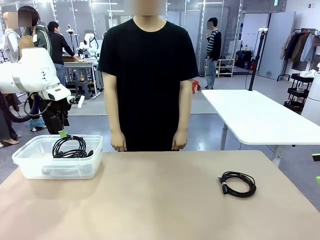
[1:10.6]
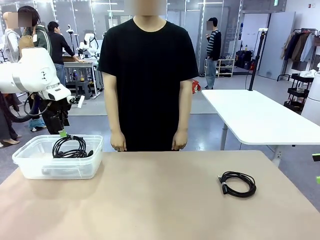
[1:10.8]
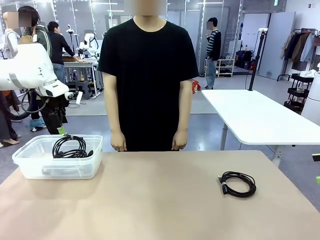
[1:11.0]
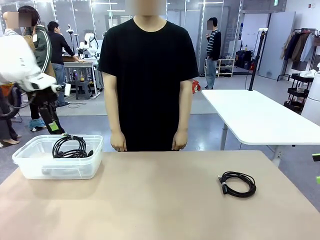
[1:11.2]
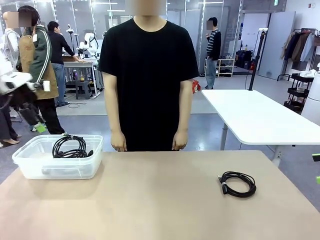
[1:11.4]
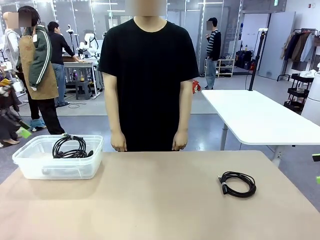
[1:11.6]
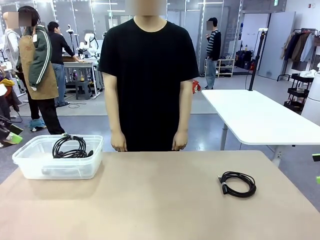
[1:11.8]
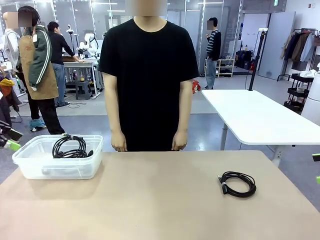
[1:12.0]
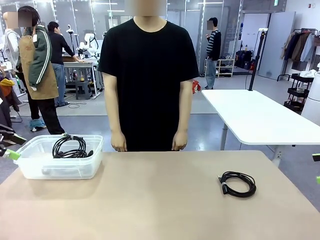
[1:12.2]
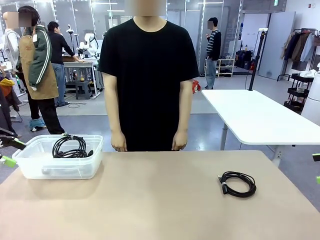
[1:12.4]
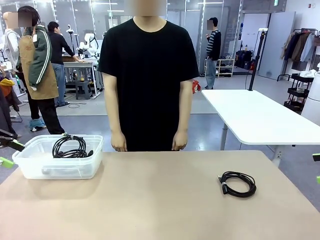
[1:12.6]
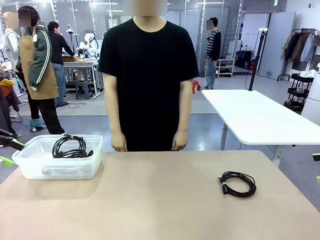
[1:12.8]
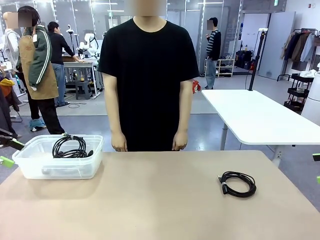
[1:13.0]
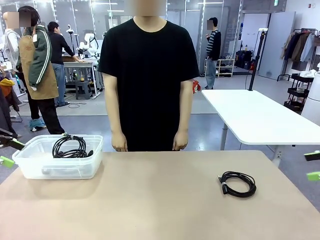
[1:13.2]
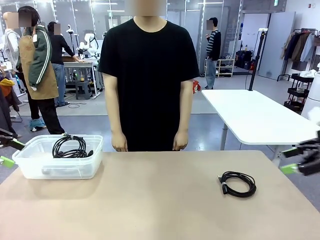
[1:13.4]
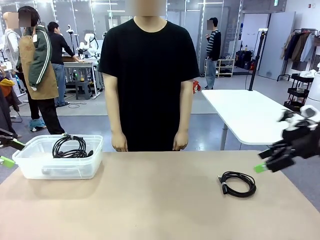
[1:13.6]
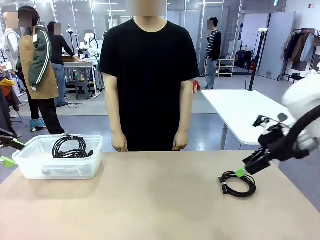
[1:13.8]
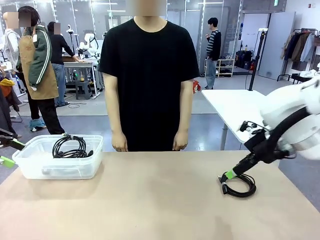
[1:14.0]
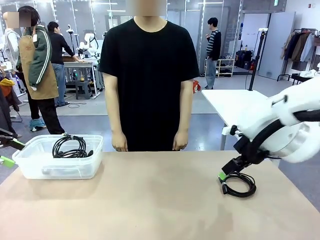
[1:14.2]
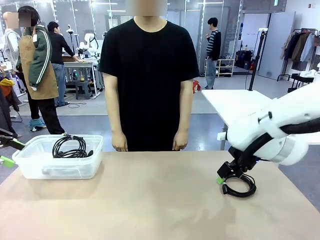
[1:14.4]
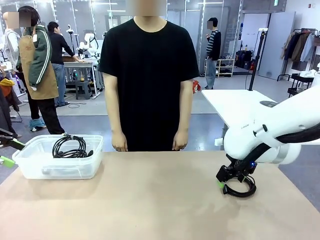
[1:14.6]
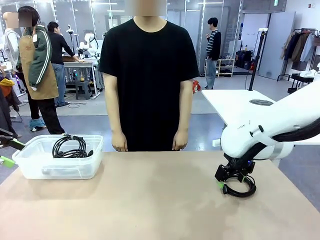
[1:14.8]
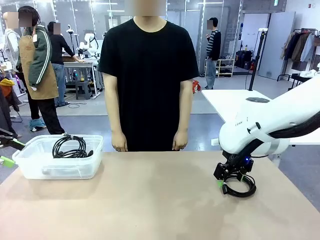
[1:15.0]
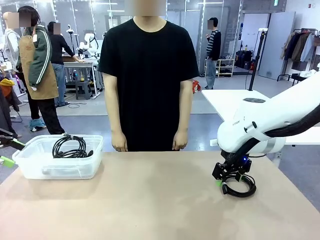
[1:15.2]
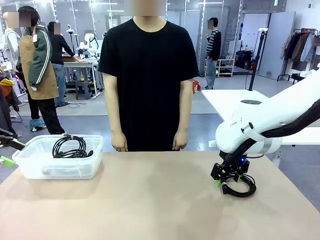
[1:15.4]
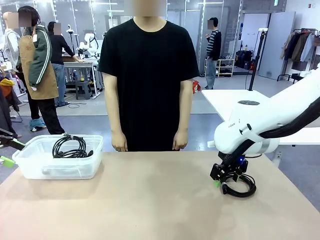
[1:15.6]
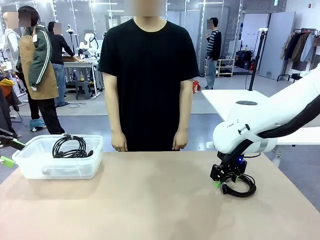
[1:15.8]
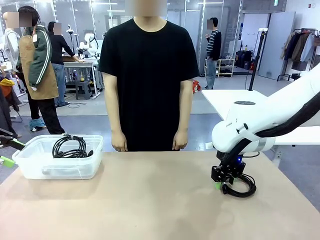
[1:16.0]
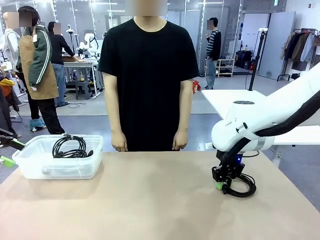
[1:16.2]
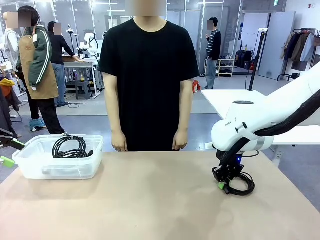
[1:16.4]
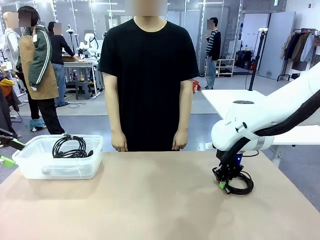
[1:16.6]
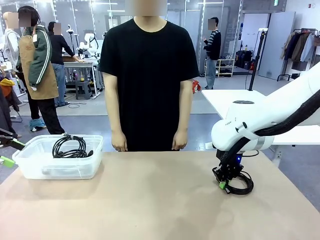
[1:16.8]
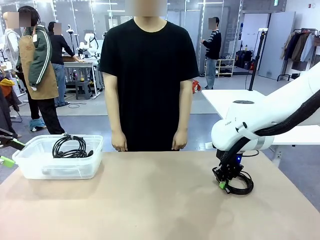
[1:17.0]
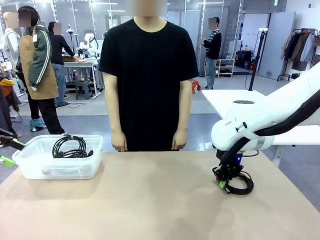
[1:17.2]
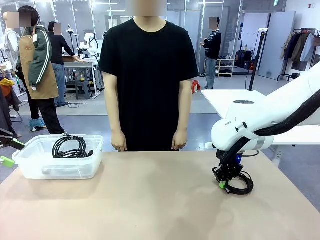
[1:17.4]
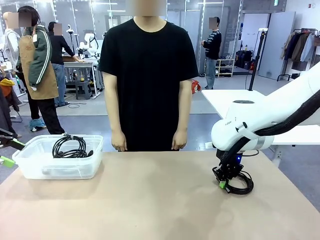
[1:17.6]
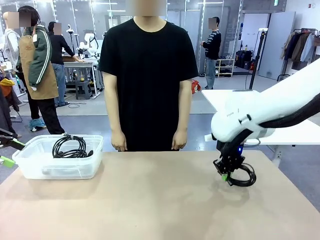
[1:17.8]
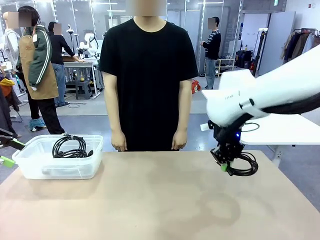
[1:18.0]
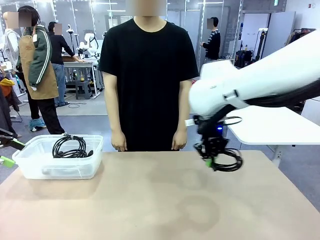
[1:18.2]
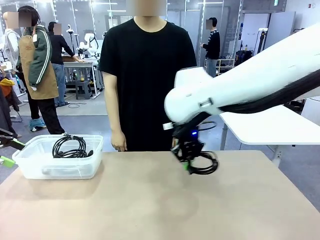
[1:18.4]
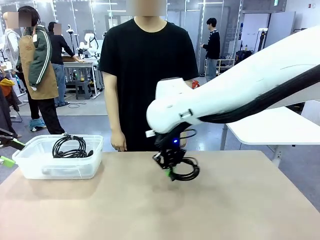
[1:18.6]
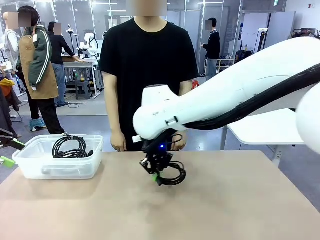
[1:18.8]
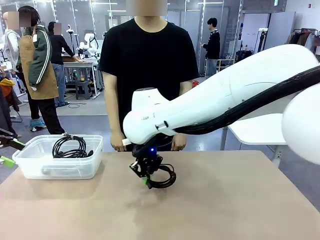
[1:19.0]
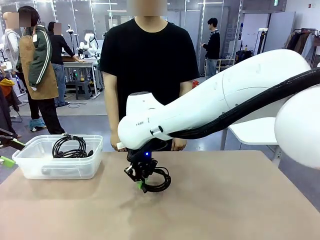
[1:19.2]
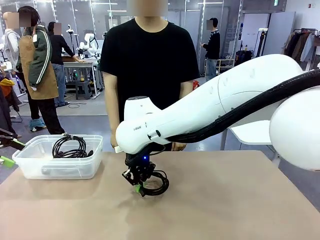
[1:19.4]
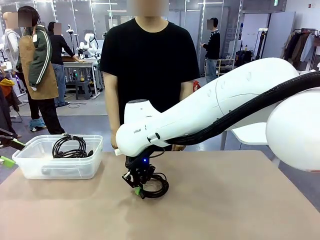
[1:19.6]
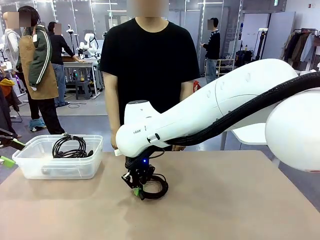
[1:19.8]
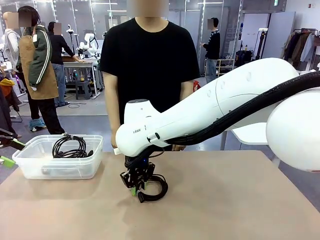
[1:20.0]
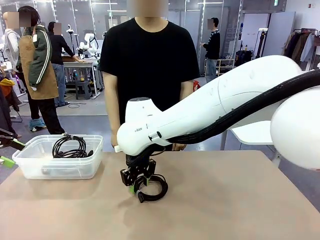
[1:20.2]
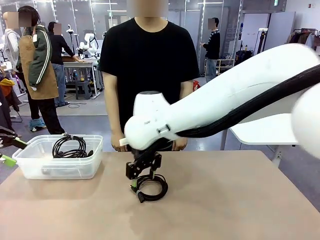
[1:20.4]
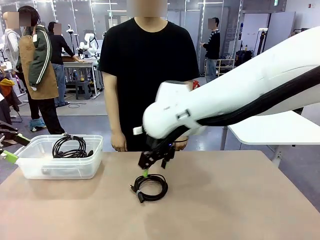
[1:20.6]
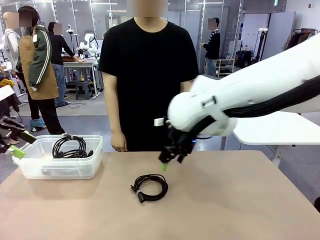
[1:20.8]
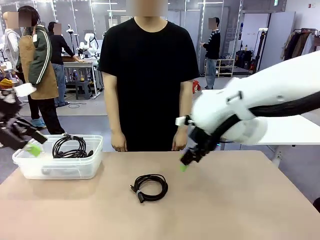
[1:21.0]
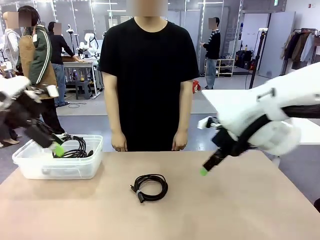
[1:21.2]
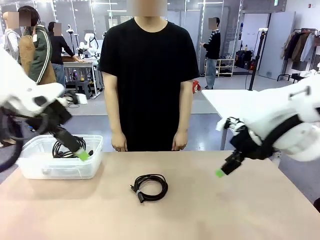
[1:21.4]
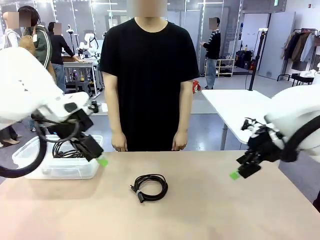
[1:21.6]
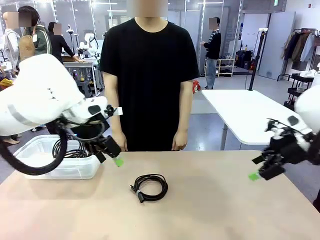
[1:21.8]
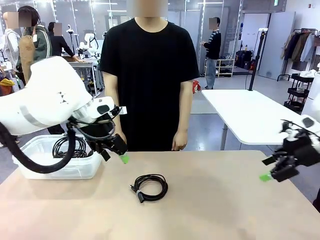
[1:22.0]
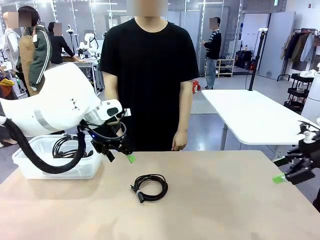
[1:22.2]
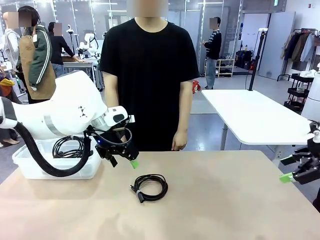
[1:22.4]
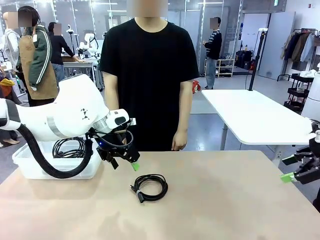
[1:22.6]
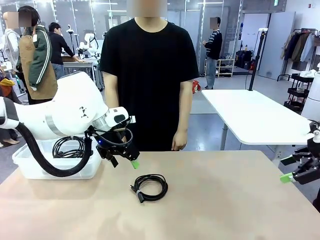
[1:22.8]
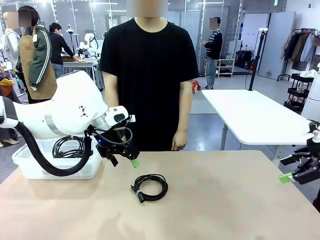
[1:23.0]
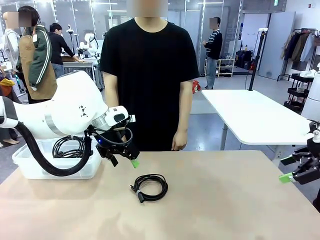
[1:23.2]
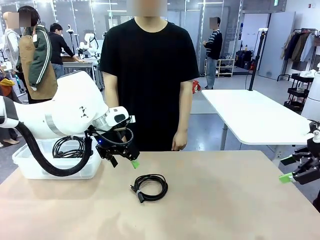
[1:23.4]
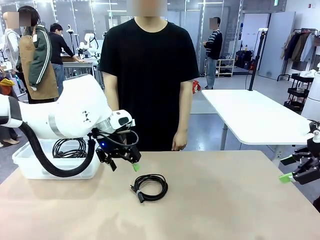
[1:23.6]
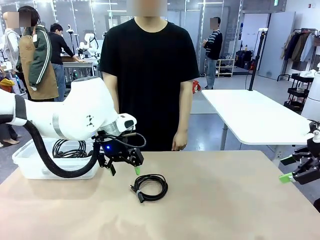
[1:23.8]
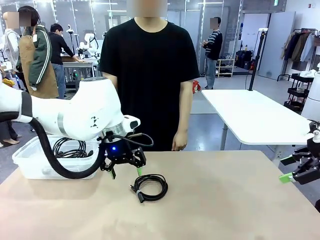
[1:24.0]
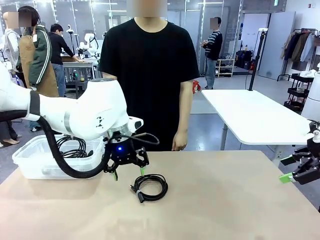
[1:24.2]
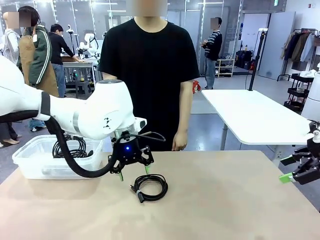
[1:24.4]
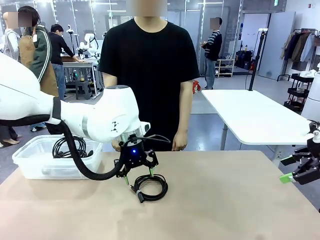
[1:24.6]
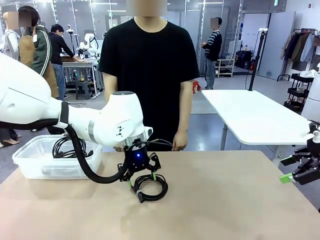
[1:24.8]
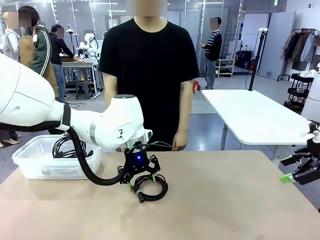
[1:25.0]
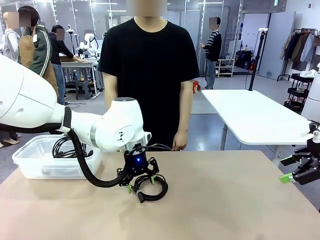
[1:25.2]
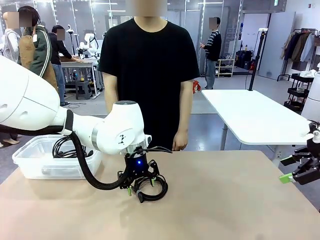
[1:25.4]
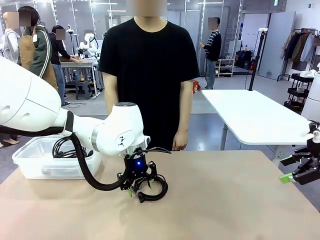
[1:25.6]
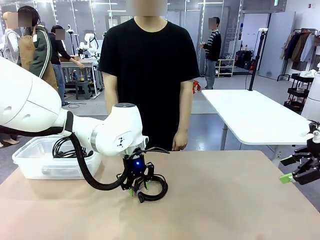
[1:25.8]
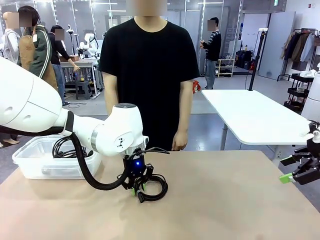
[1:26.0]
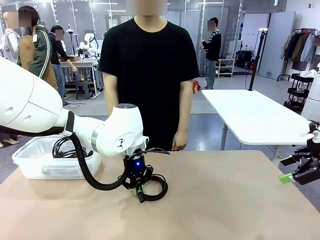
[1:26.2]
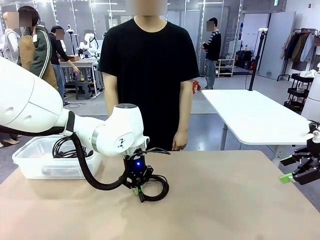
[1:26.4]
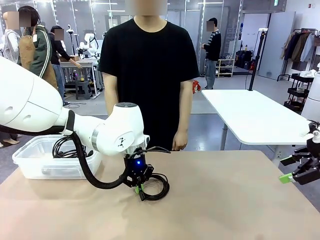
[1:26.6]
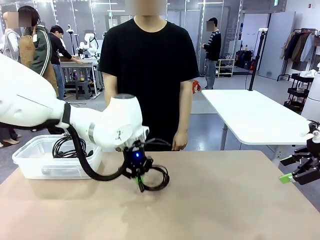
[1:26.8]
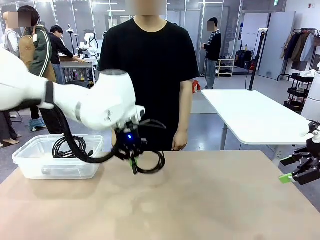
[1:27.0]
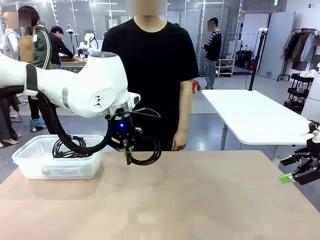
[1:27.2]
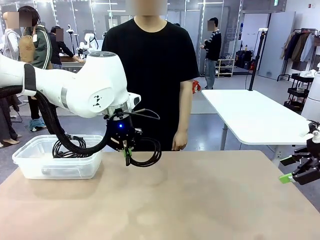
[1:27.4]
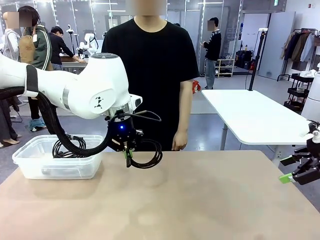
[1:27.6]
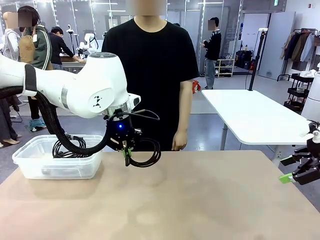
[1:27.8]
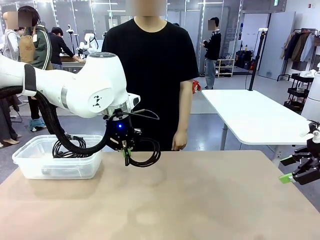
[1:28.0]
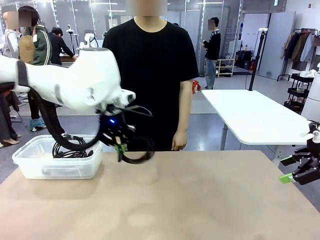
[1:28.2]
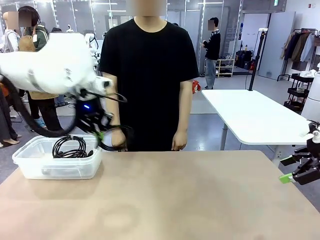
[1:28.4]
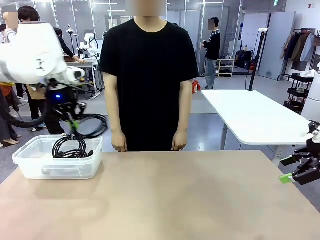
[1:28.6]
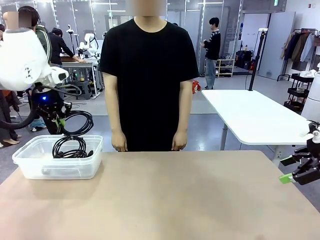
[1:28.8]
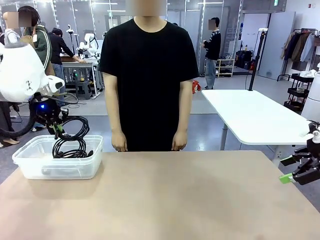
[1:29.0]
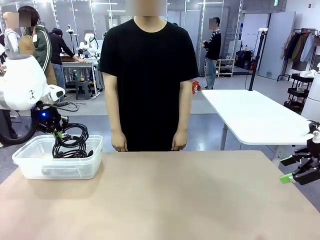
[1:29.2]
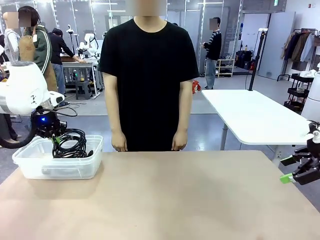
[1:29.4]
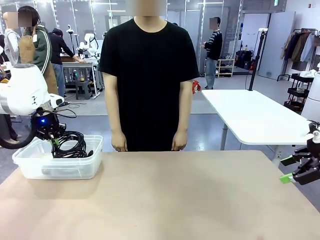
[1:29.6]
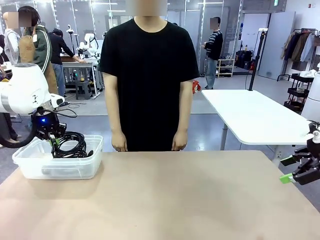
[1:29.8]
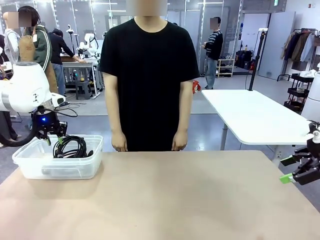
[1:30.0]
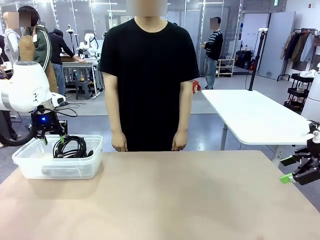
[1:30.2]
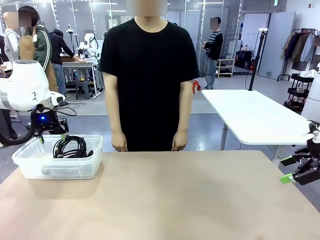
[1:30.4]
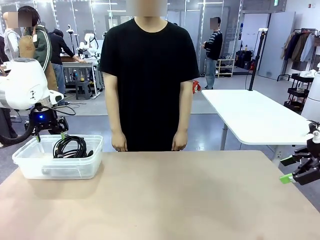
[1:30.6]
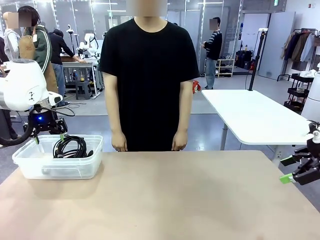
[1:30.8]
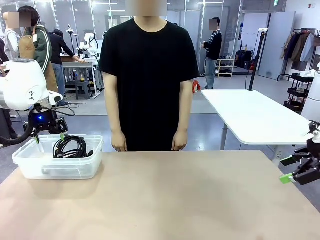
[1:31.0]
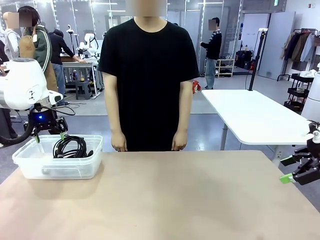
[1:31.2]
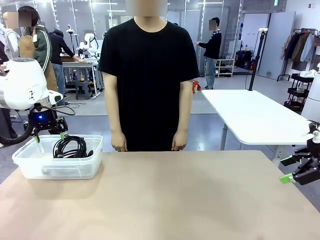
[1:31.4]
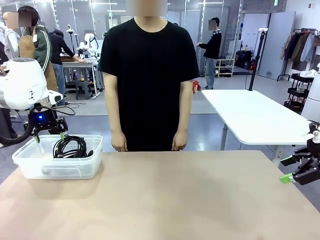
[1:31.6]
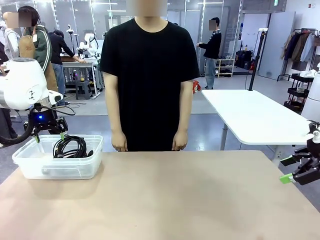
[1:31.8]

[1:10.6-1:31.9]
Task: Organize and store the cables.
Robot: Place the USB Extension Cable into the Organizing box.
